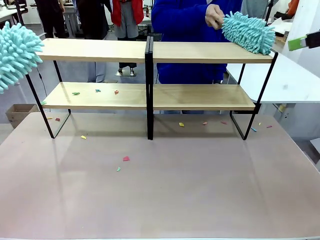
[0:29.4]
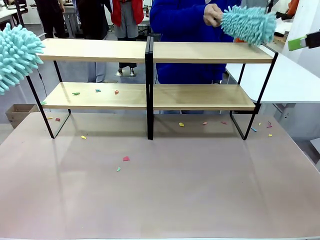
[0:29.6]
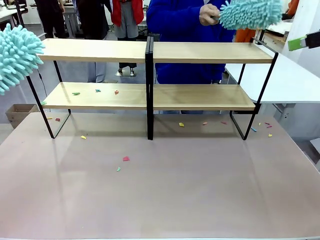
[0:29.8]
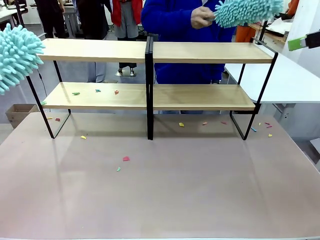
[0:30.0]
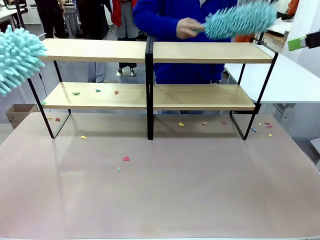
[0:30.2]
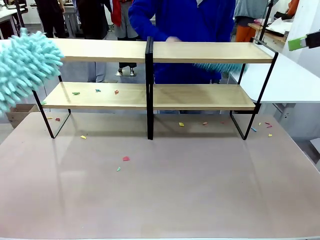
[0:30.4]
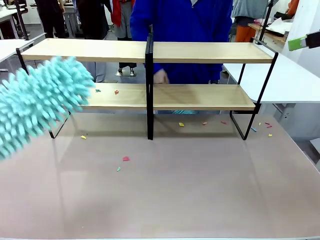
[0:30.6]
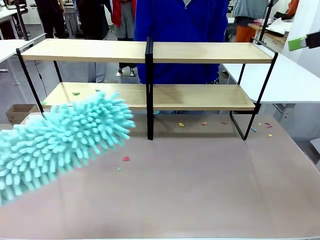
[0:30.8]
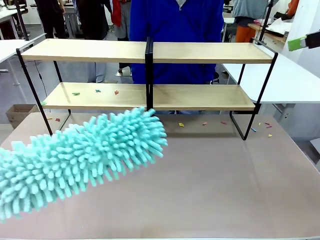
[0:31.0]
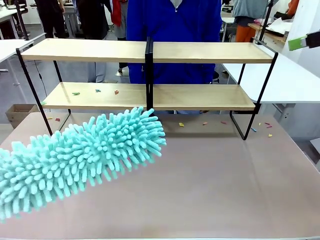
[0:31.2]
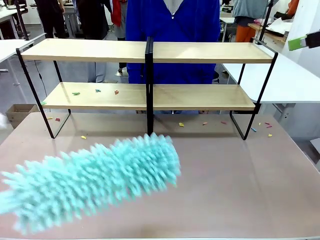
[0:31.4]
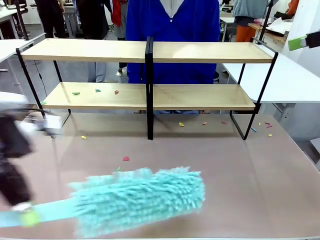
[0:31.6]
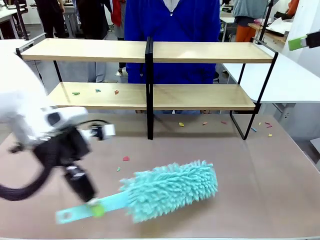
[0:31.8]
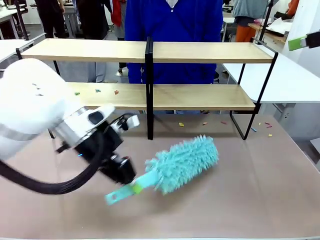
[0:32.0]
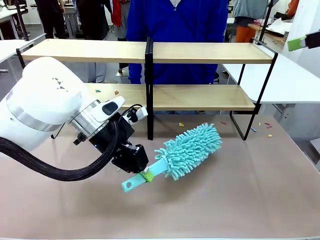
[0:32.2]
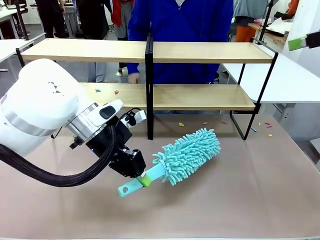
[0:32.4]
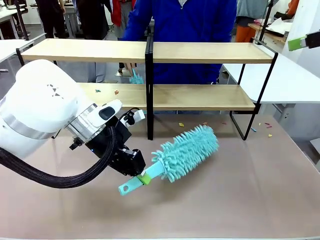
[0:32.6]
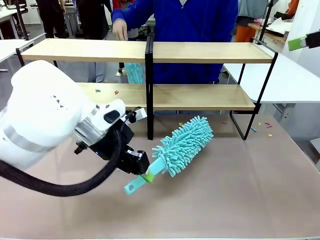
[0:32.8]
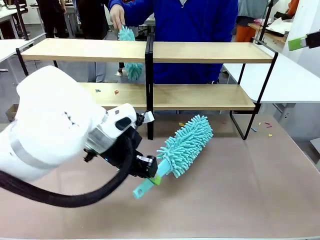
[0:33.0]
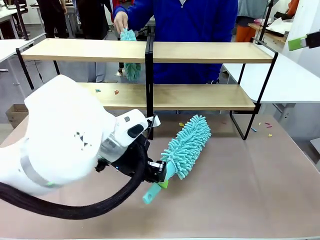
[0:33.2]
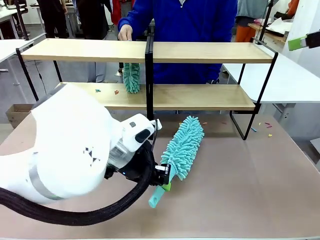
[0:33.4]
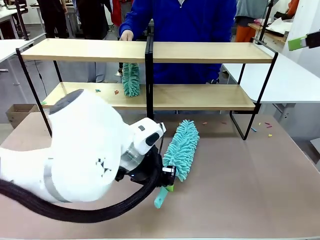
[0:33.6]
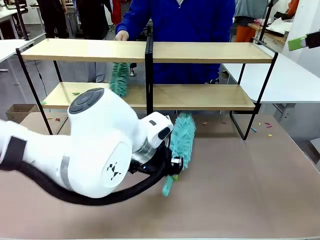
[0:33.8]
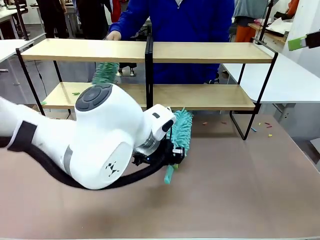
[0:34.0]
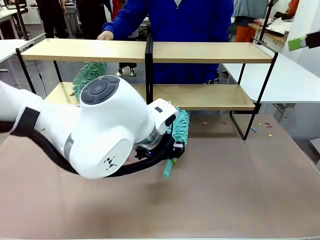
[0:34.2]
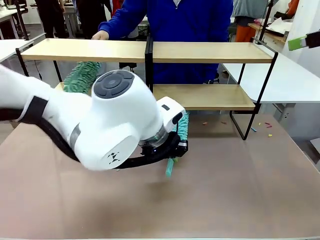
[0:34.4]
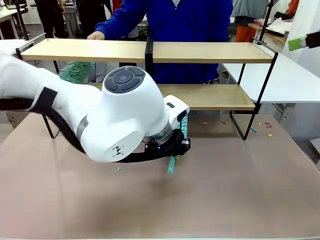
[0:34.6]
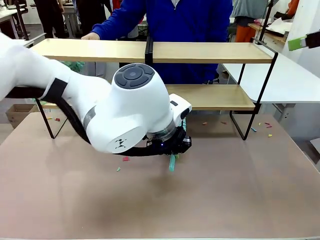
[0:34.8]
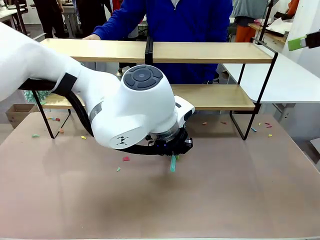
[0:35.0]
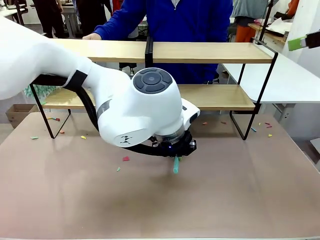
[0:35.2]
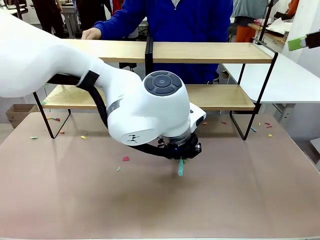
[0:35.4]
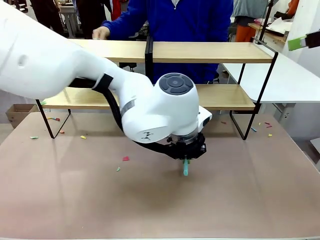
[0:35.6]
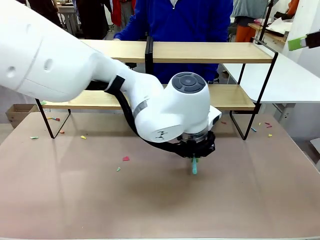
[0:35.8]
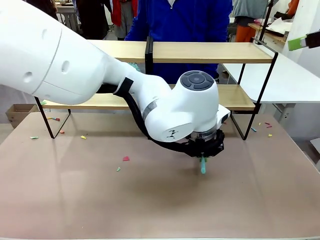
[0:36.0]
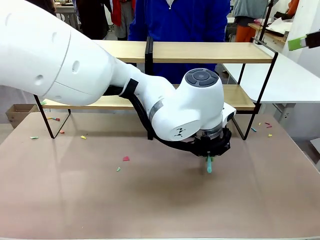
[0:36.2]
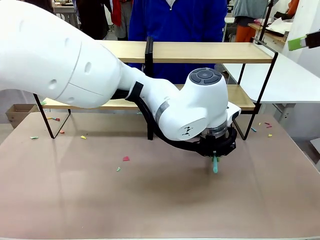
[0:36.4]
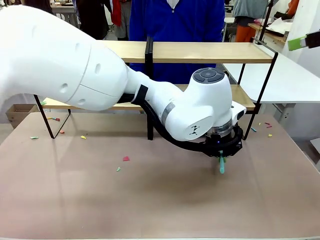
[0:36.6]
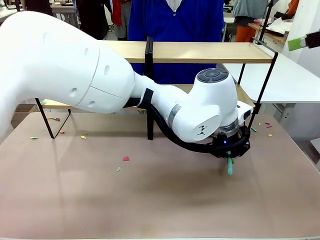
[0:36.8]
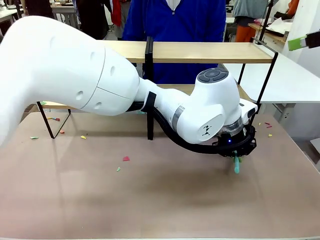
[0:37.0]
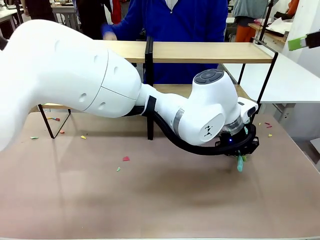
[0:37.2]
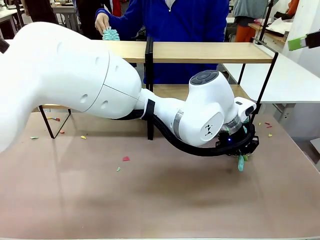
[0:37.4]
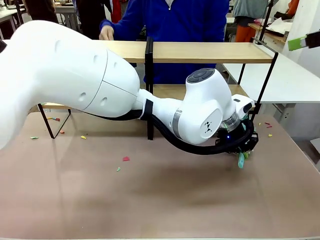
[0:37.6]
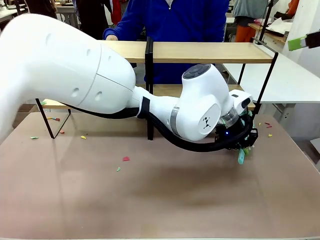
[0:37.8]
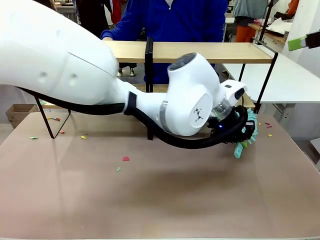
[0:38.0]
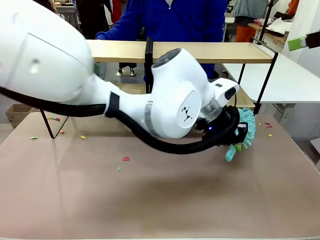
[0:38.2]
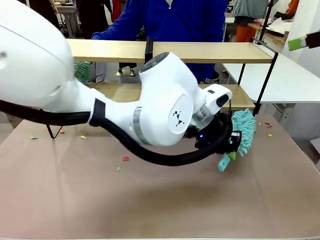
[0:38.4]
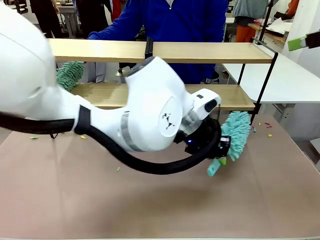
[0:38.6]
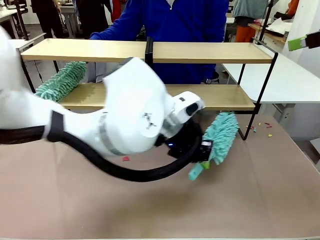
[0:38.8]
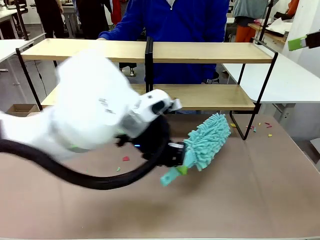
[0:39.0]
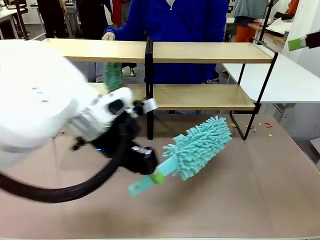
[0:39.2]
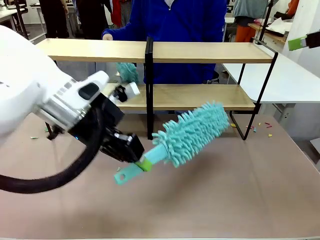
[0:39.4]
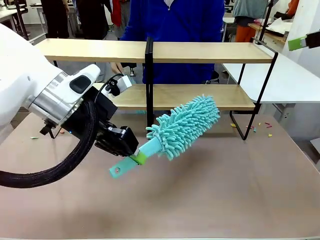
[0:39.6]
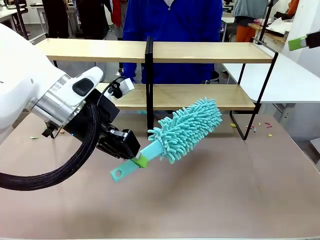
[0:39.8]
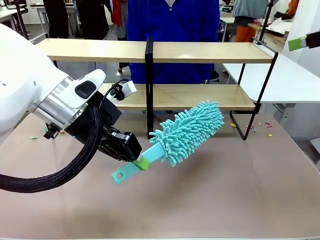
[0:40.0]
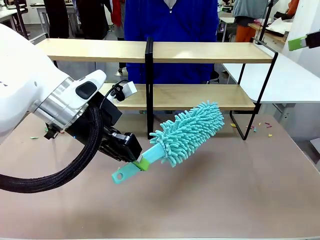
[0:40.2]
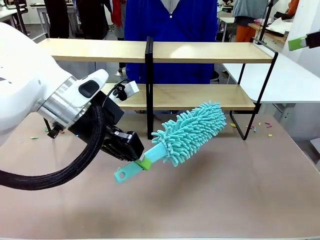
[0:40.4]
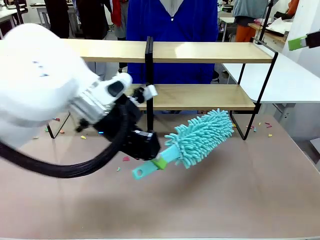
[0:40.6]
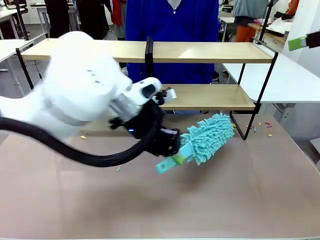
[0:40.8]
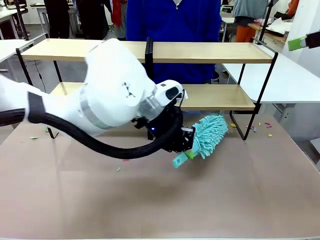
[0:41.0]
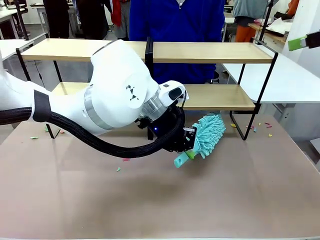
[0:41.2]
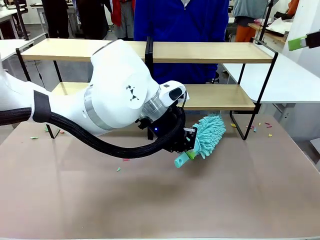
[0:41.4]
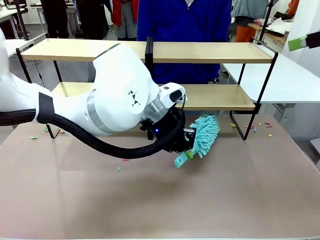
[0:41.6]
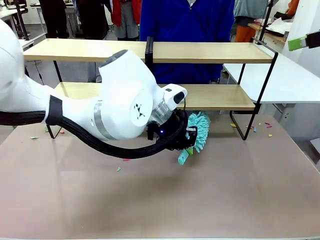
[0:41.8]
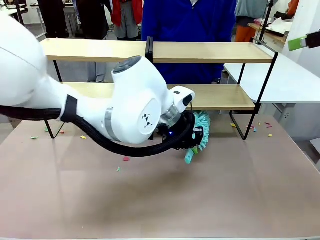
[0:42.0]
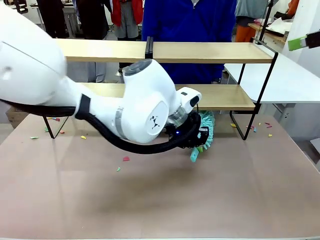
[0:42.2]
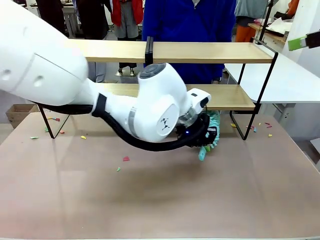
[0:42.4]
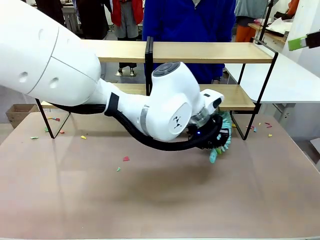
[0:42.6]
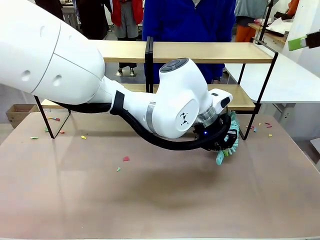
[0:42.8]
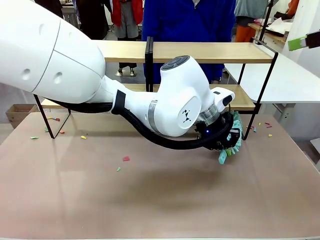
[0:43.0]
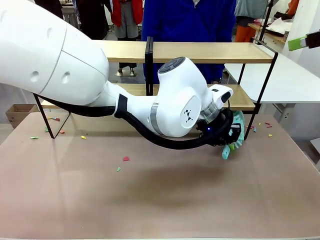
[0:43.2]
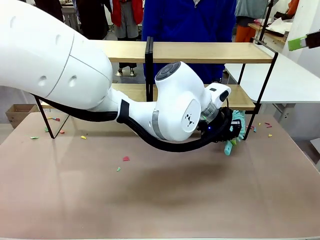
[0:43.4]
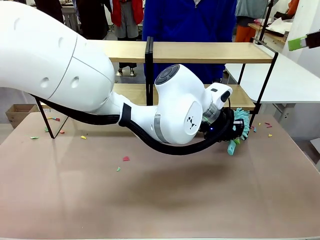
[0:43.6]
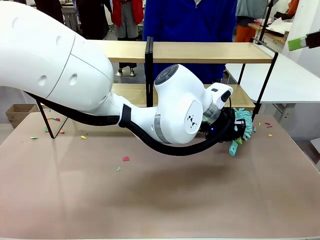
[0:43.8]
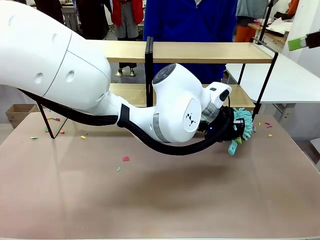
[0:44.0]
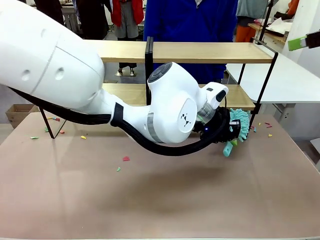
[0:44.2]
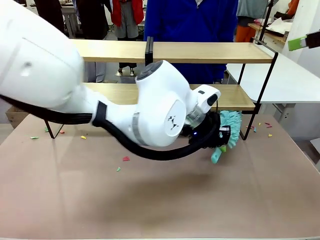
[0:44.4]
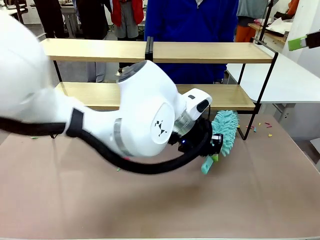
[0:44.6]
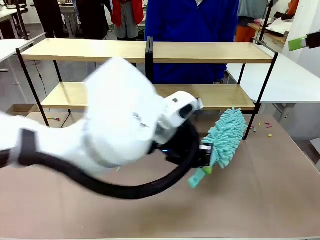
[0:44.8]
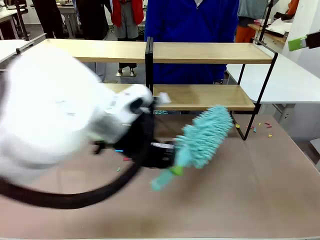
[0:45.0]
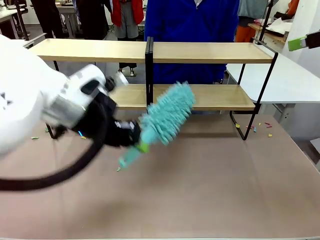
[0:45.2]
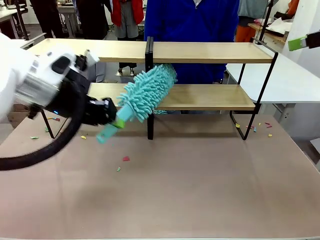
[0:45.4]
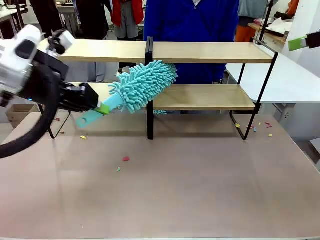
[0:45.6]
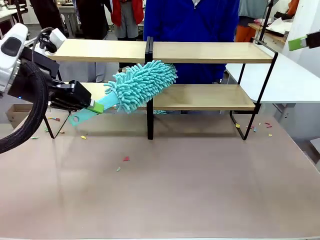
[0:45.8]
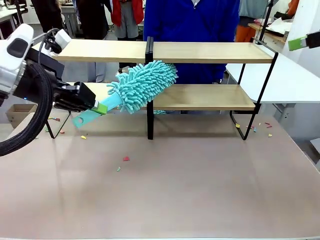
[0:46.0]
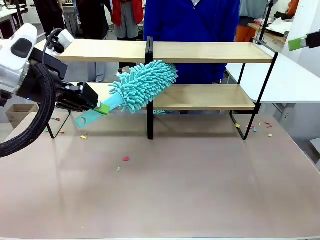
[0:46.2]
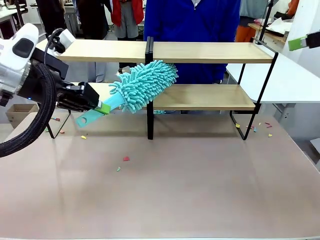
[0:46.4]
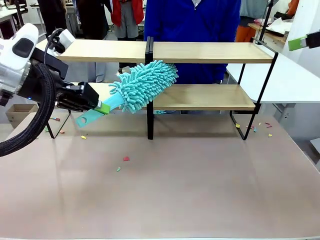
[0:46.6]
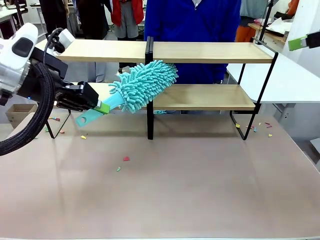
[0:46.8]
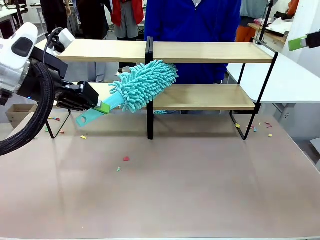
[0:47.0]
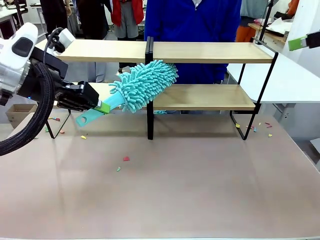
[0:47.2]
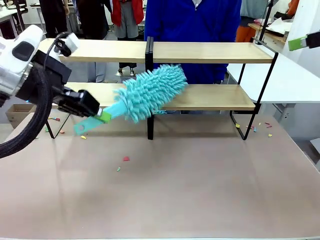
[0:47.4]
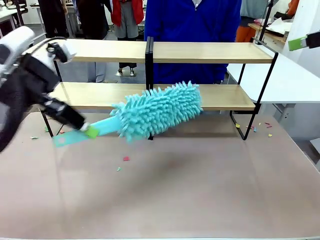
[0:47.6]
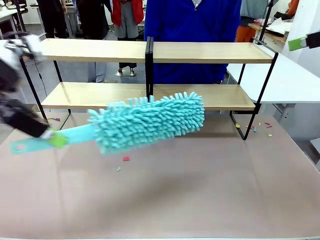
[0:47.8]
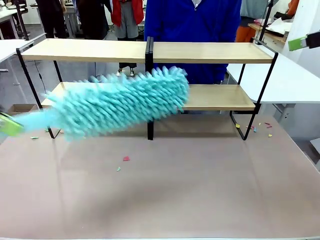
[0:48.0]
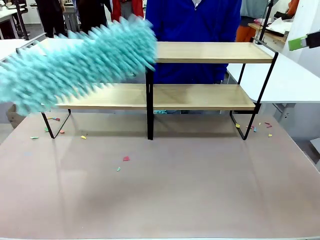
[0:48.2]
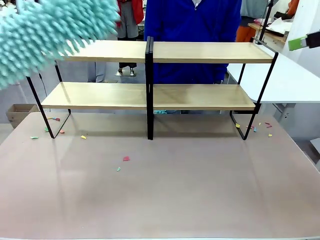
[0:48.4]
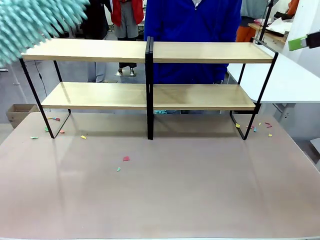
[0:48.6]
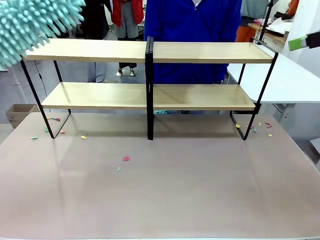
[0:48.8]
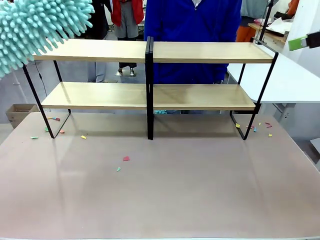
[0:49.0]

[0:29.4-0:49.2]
Task: Clean the shelves.
Robot: Clean another randomly selected level of the Shelf with the Duster.

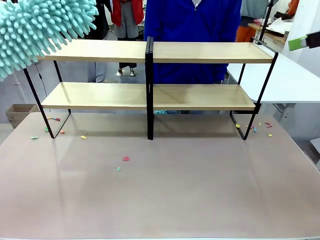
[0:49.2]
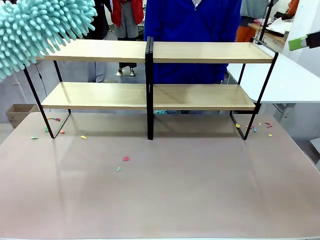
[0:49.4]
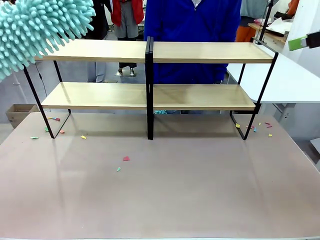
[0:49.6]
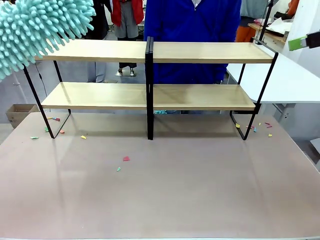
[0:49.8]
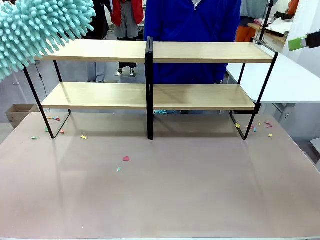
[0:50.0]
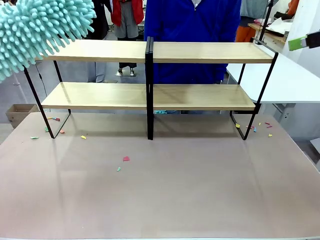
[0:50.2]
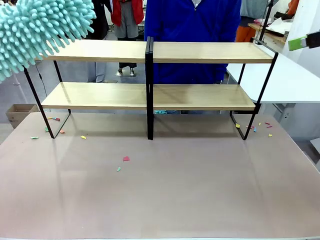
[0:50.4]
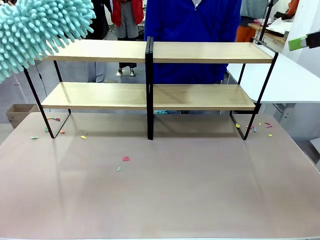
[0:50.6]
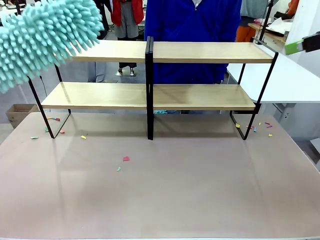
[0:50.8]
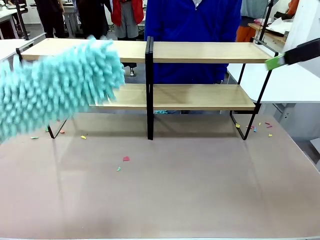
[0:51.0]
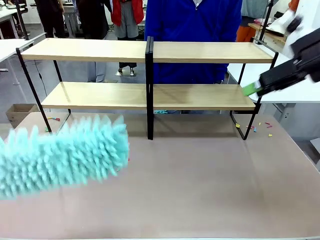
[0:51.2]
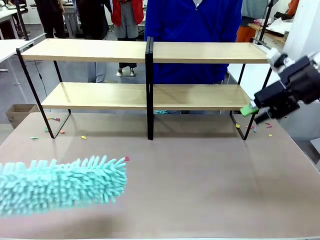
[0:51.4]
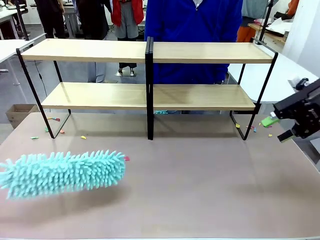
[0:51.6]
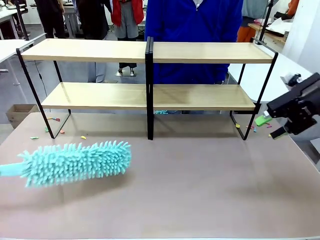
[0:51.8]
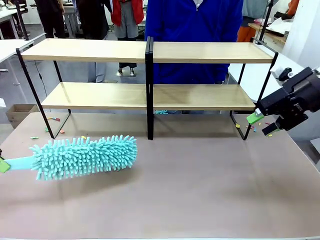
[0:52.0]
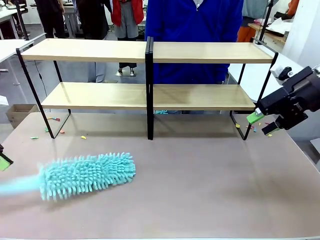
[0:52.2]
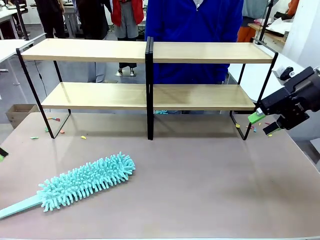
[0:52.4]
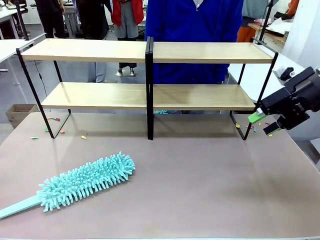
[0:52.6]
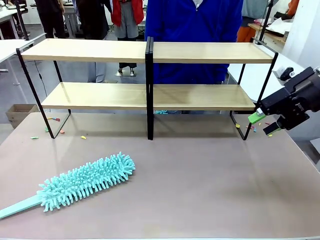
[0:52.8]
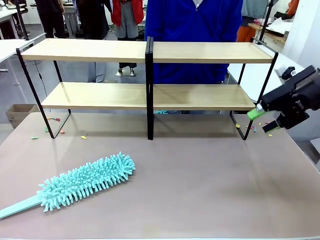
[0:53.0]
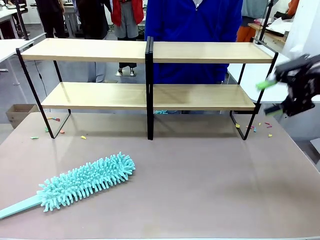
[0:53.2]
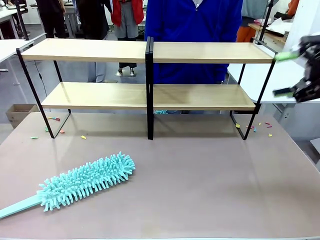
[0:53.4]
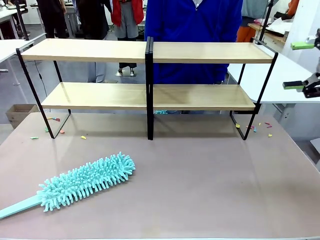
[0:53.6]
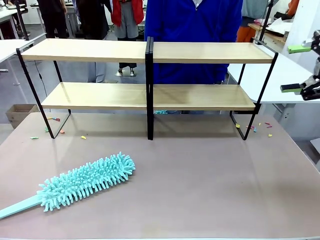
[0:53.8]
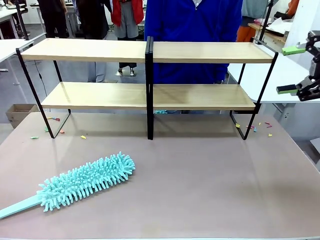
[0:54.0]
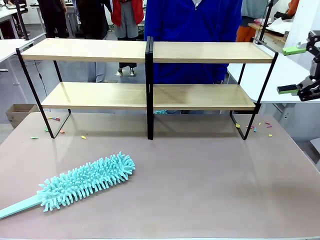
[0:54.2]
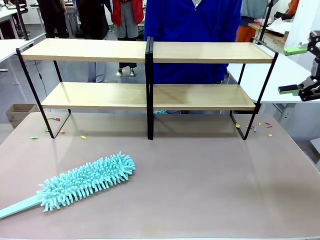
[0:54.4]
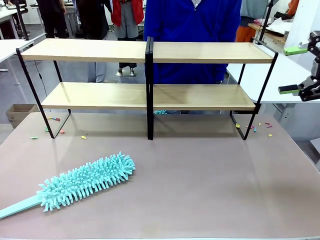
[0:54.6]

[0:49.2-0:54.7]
Robot: Place the Duster on the table.
